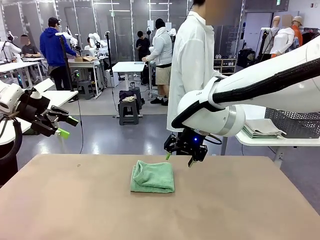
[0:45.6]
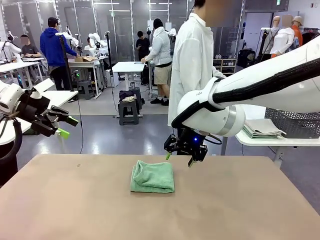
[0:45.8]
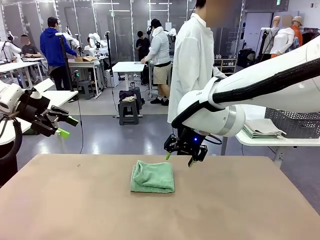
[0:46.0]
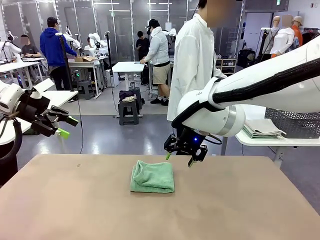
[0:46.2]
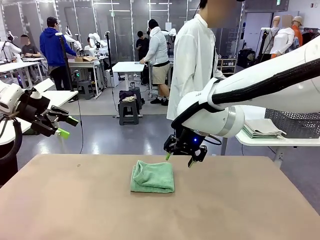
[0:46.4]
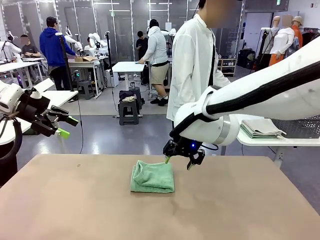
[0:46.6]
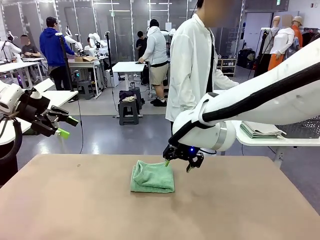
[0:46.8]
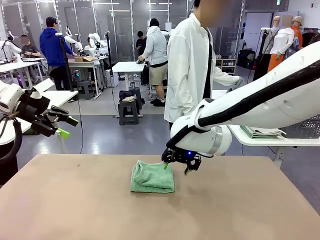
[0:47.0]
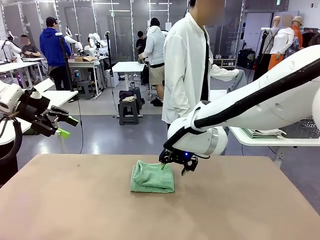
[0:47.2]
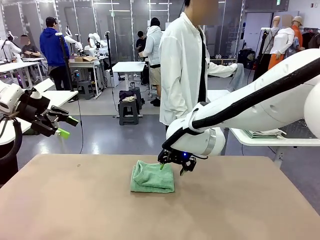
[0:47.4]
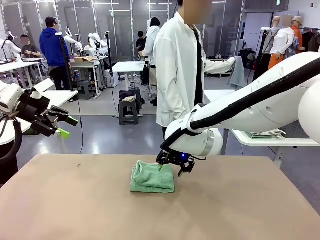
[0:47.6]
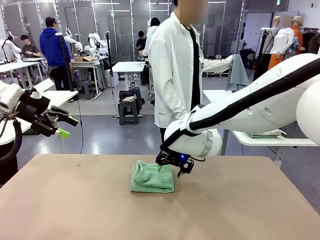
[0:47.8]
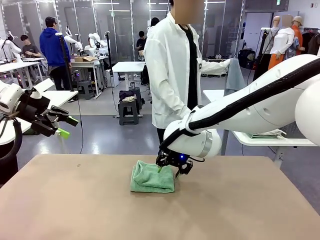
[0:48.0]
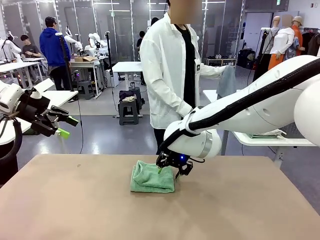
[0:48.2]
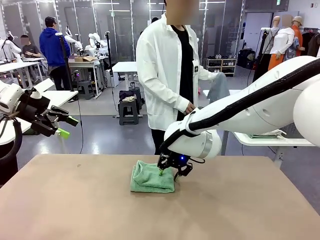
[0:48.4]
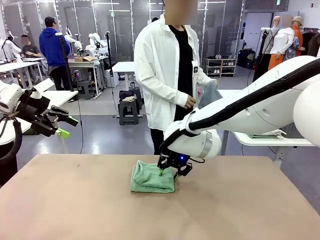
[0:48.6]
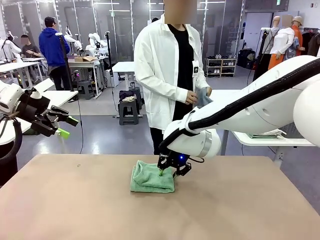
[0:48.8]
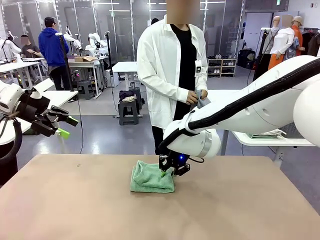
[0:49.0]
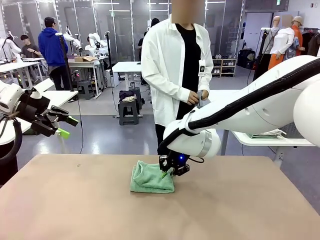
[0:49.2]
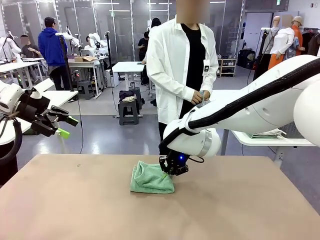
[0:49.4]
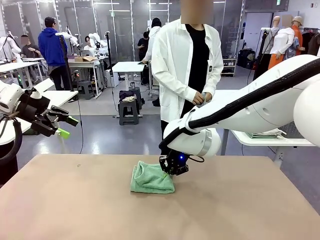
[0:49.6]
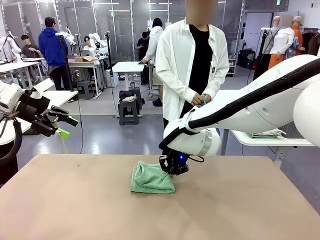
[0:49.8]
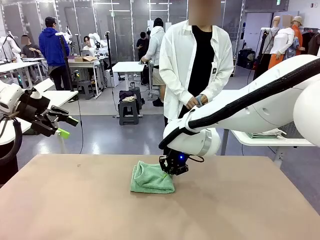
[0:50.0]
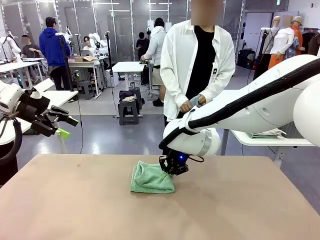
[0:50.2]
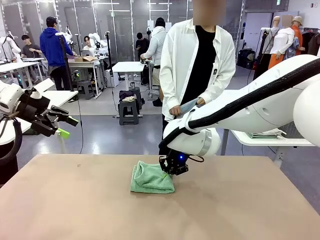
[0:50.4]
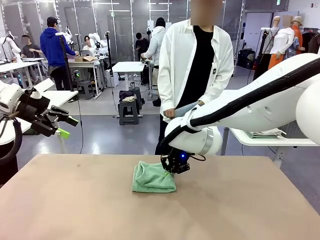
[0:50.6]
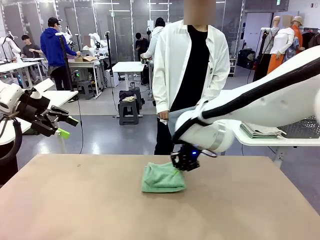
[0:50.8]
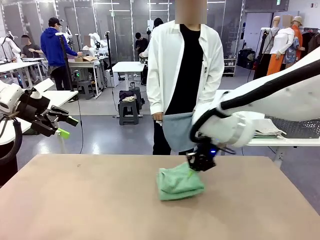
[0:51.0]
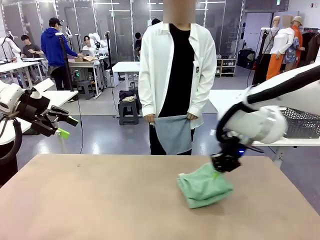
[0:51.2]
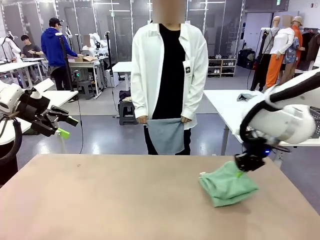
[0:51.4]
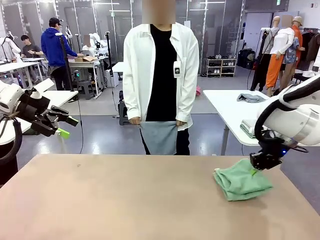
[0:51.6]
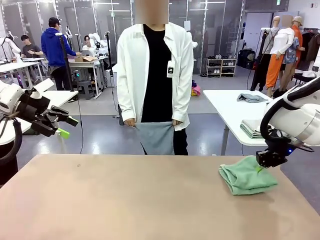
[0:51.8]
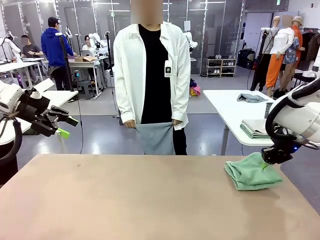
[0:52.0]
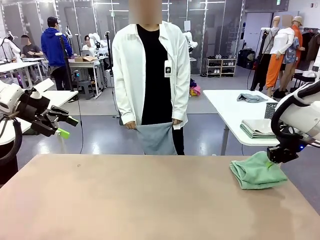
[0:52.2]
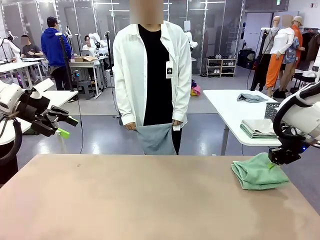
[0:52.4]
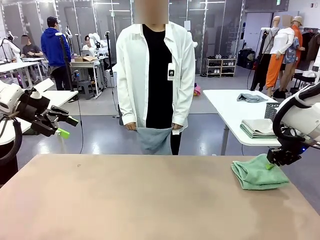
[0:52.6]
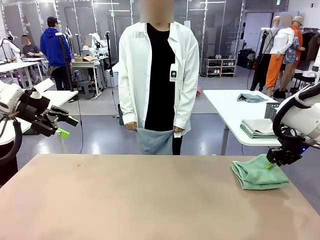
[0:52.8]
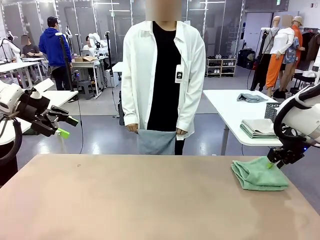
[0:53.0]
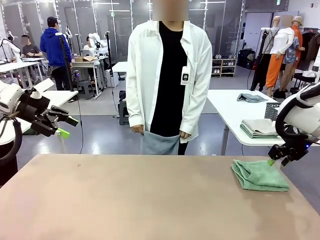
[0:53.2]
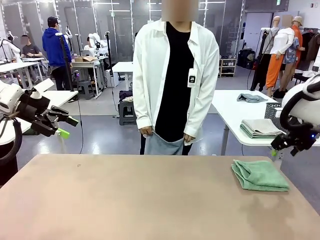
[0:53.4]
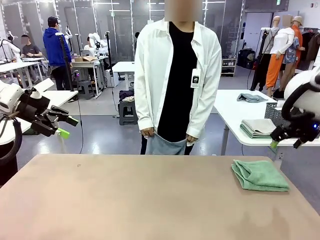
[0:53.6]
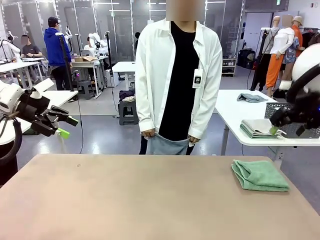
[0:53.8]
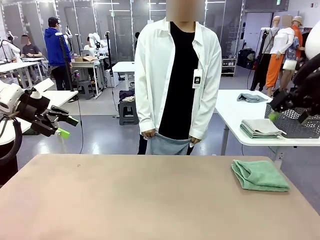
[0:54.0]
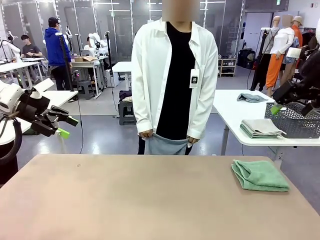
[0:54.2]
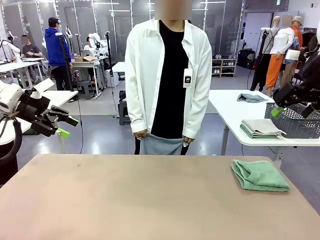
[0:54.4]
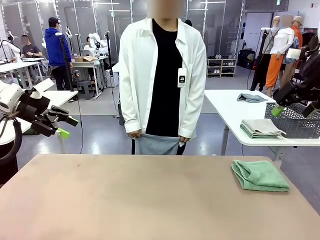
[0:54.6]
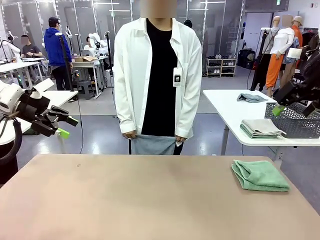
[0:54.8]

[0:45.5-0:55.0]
Task: Fold the towels and place them in the basket.
Robot: Place the folded Towel with hook on the right side of the table.
Person: Pick up one towel from the left side of the human table and spread it out at the center of the robot table.

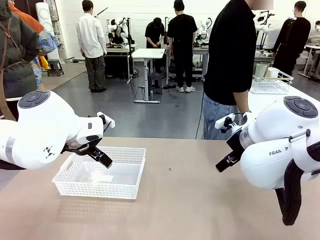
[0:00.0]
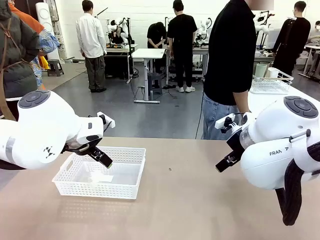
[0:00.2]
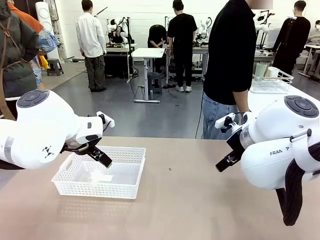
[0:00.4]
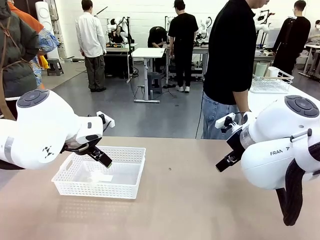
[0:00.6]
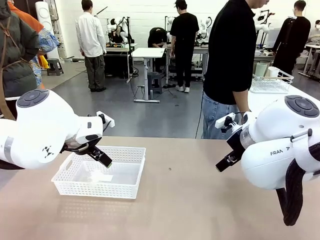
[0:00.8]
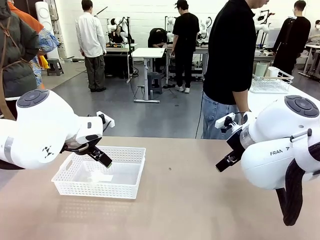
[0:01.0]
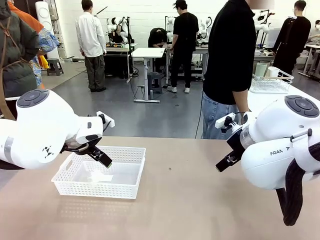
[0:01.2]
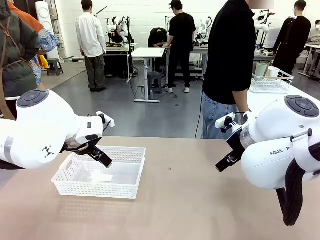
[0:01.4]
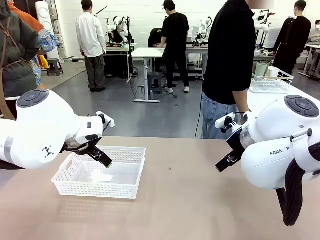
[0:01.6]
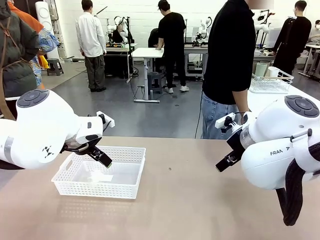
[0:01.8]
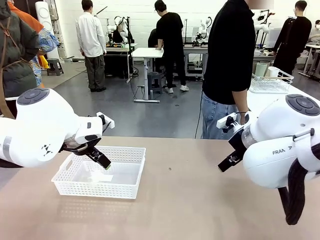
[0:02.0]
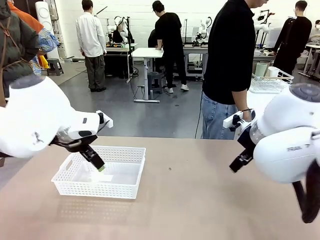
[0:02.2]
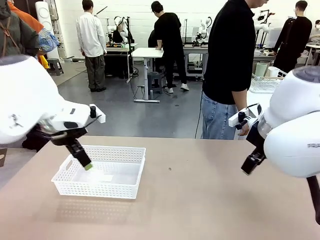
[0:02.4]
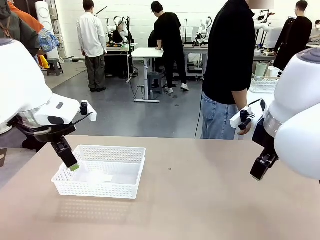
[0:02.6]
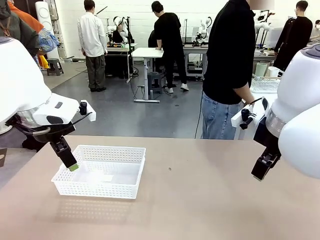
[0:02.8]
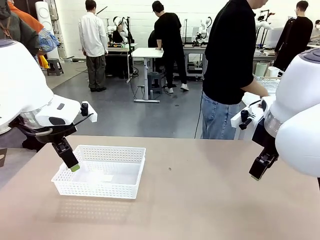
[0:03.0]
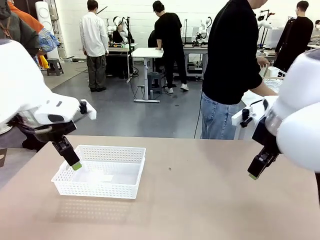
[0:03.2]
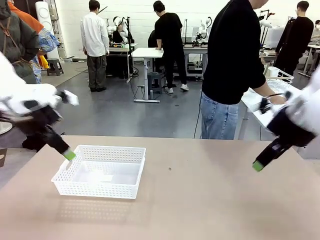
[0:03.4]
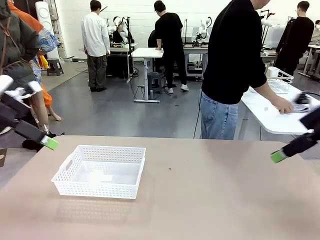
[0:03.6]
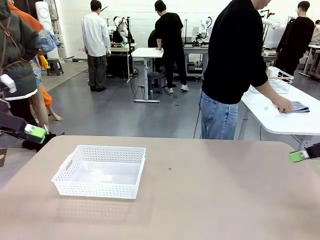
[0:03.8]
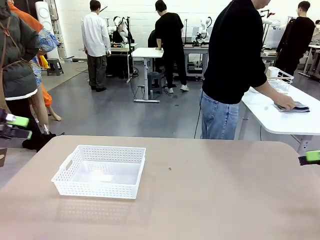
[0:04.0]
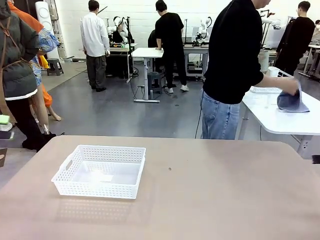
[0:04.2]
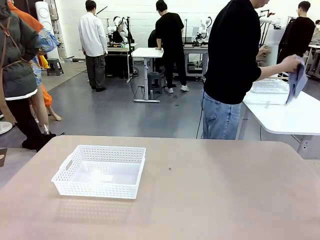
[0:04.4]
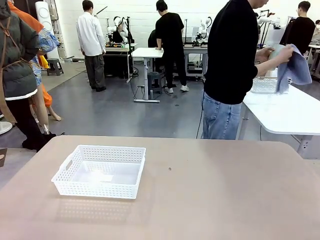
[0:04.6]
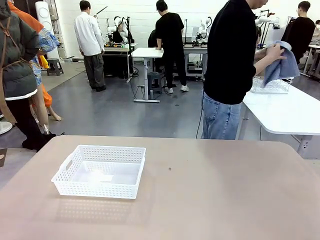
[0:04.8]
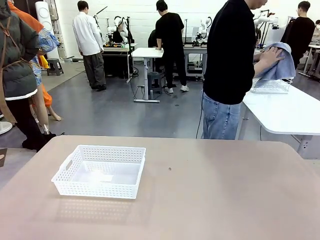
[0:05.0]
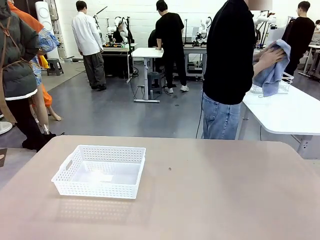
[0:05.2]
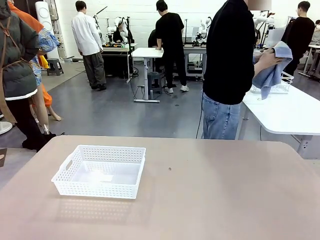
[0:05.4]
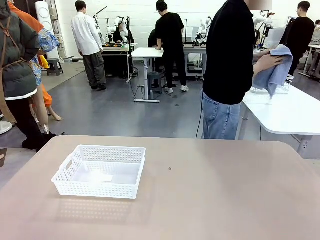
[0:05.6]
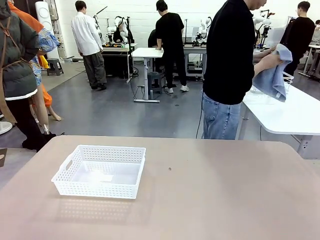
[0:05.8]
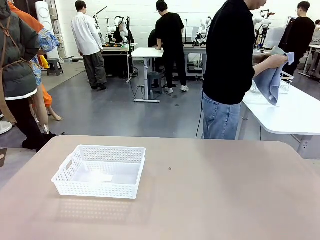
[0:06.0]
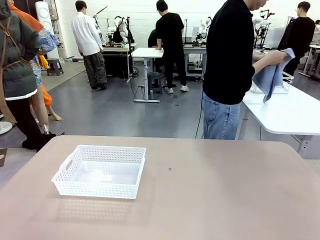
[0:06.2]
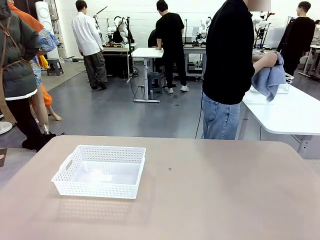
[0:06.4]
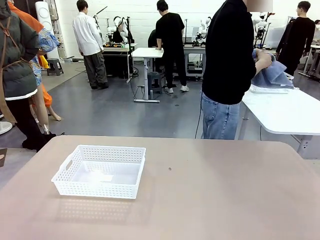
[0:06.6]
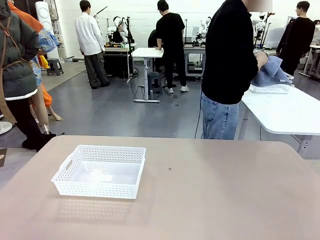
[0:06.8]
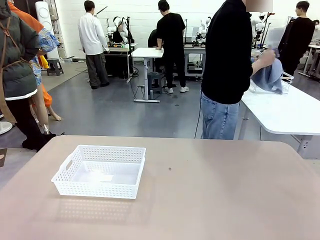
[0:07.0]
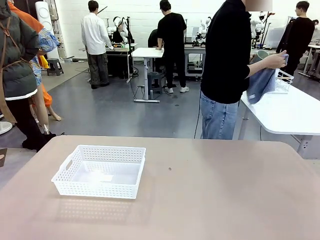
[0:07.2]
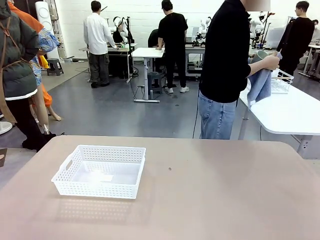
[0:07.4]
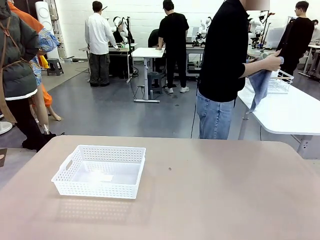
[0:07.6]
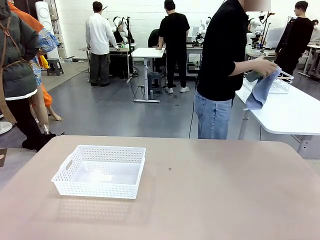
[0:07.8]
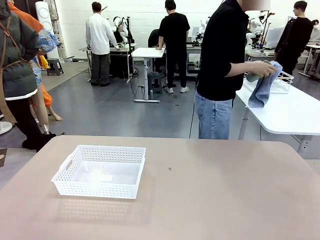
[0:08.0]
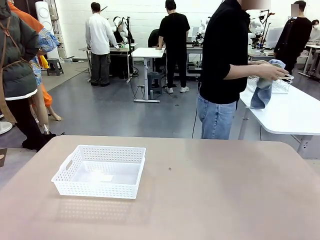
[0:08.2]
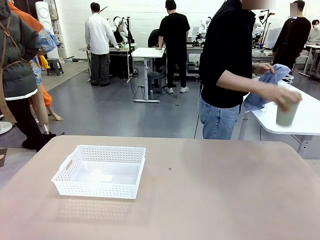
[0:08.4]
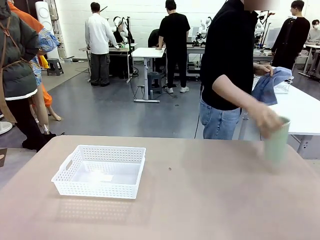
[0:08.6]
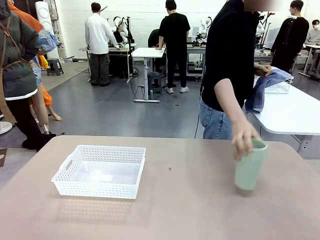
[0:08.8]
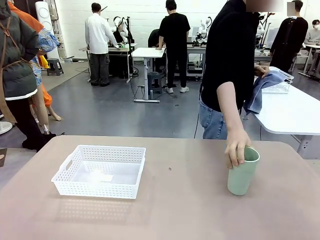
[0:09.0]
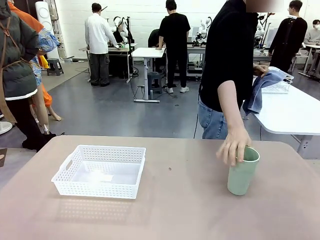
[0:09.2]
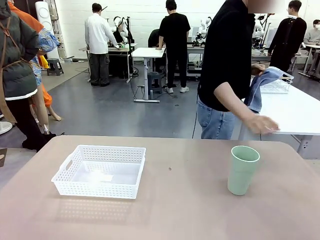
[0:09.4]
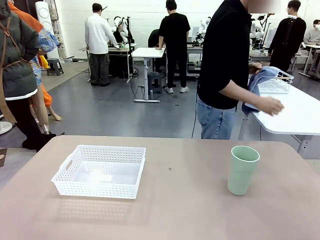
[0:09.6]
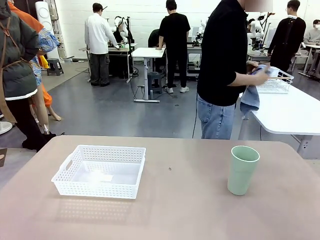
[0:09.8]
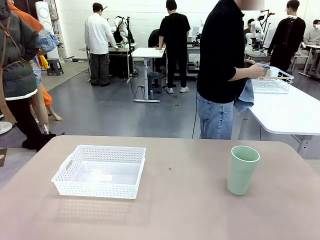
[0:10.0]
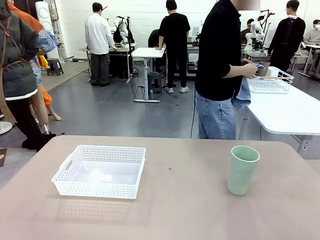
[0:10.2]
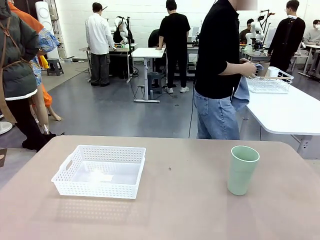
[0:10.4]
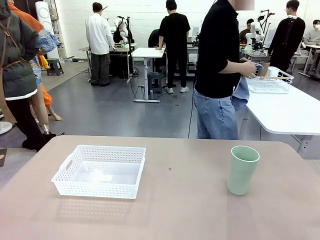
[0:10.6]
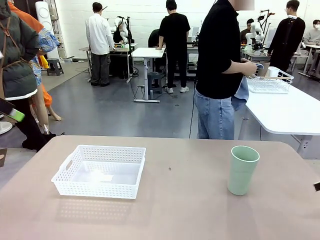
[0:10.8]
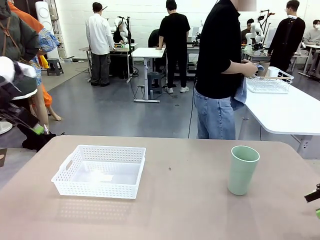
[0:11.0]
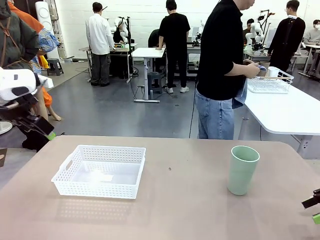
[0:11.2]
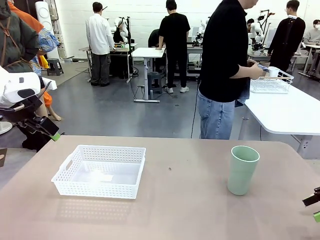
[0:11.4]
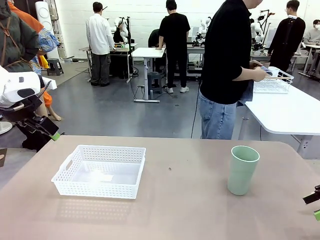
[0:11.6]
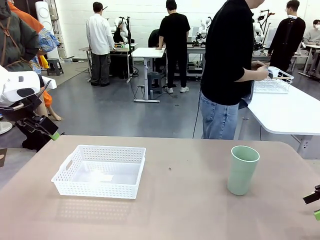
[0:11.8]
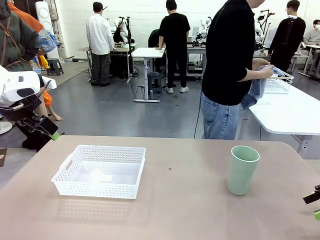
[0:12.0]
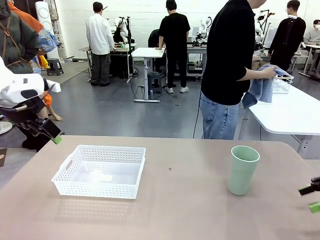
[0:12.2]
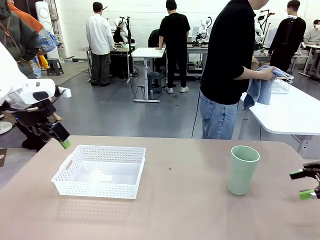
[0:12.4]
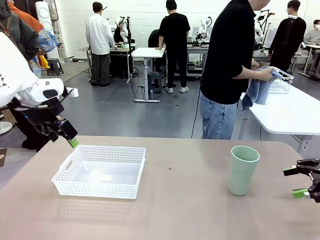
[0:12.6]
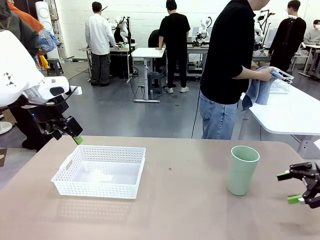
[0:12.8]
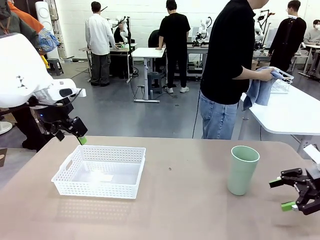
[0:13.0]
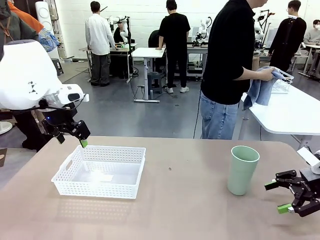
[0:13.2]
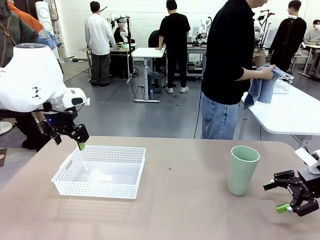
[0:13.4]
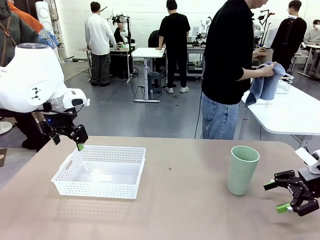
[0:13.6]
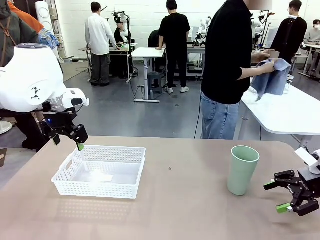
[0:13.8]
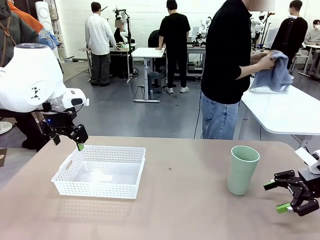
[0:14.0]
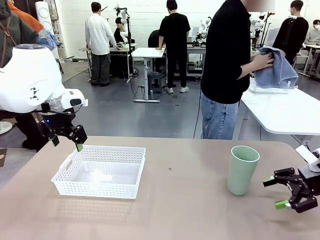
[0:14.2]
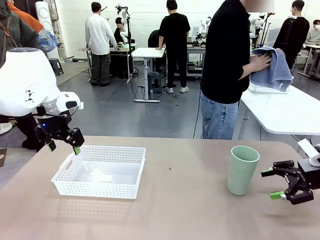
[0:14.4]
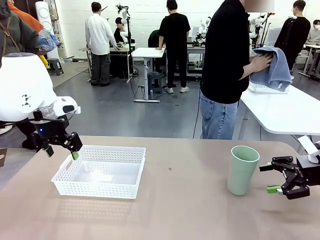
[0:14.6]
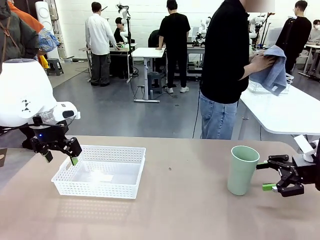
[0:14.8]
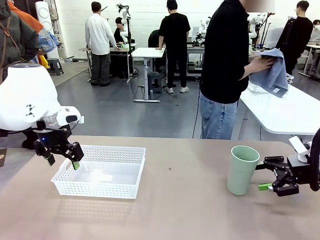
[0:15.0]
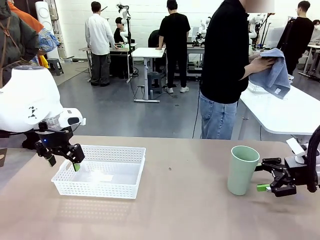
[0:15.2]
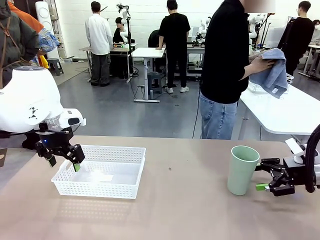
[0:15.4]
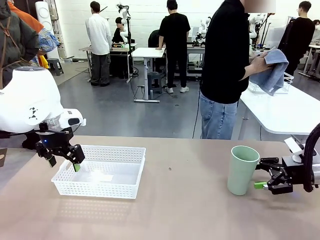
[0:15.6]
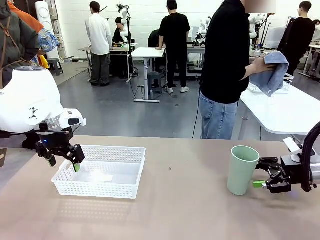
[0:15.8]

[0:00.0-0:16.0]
Task: Clean and organize the cups into the basket.
Robot: Pick up the Organizing basket and move it to the center of the table, then pick up the Reusable plastic cup from the right side of the table and place it inside the Organizing basket.
Person: Picks up a cup and a towel, cleans the cup with the towel, and places it on the left side of the robot table.
